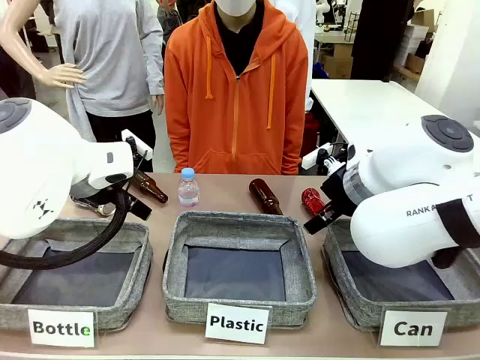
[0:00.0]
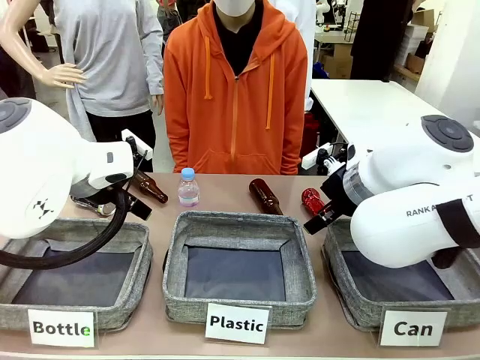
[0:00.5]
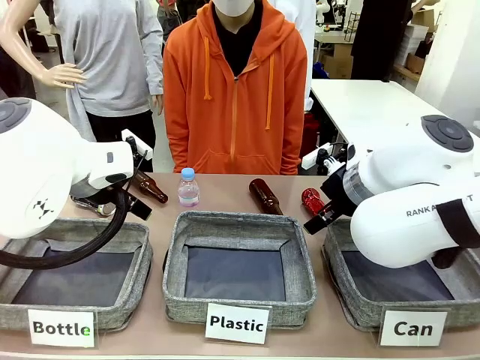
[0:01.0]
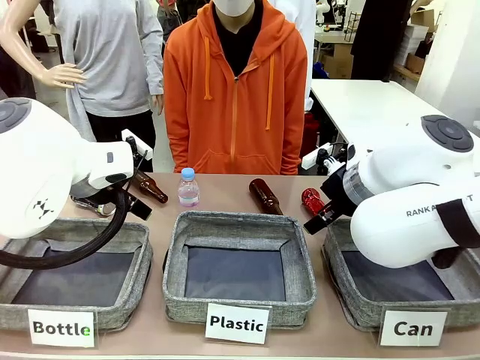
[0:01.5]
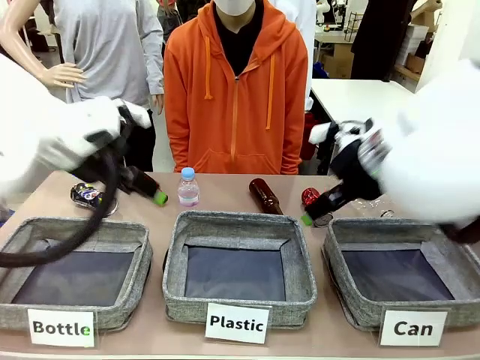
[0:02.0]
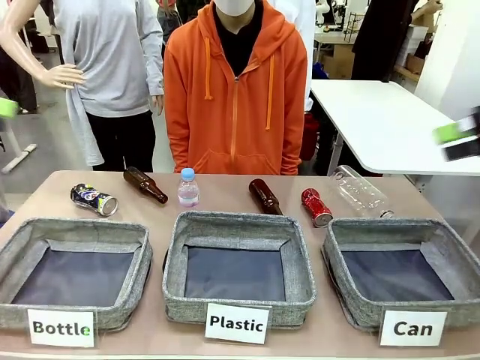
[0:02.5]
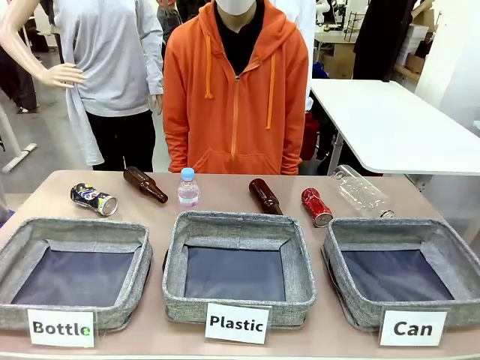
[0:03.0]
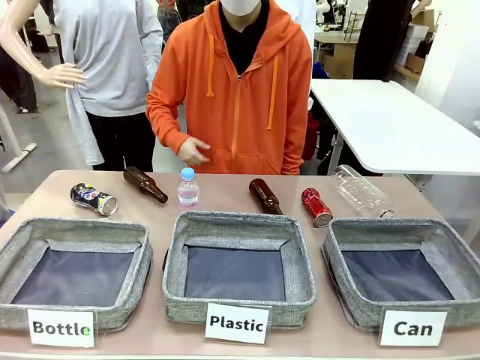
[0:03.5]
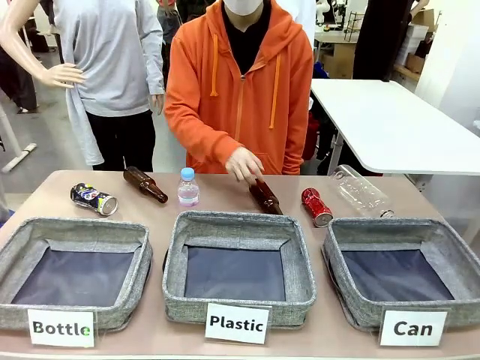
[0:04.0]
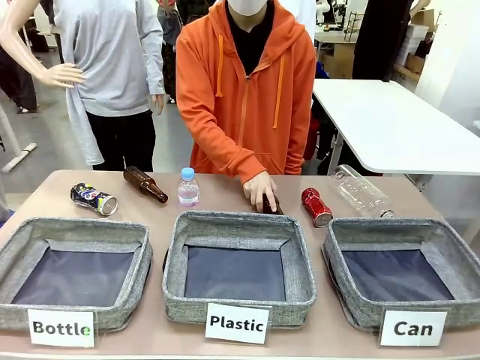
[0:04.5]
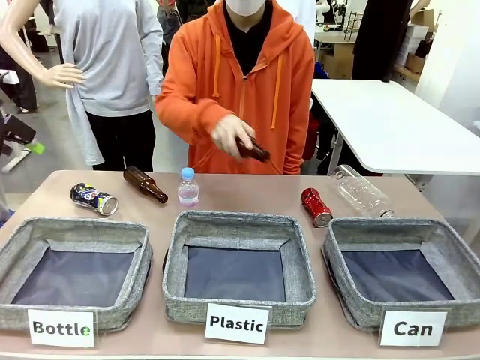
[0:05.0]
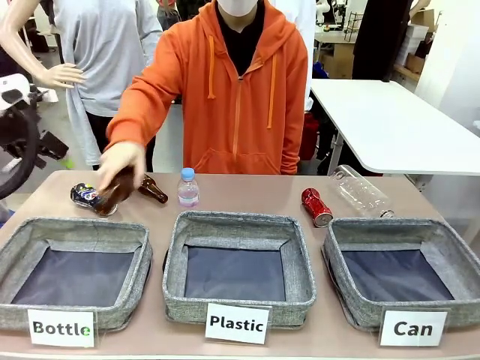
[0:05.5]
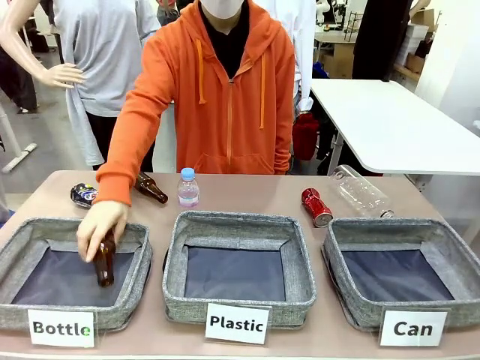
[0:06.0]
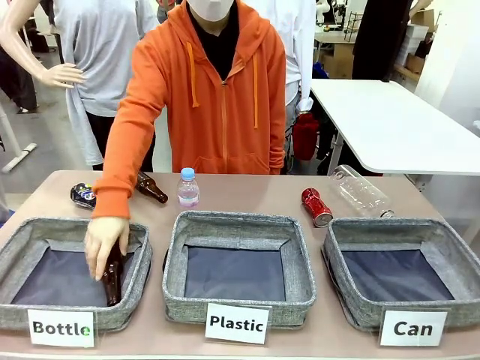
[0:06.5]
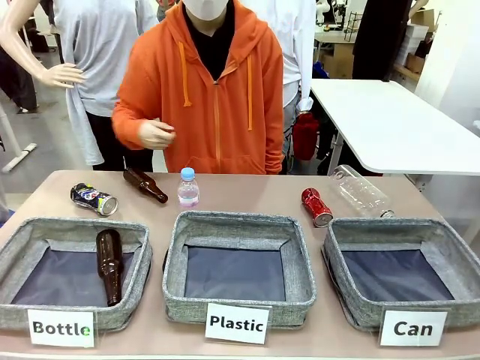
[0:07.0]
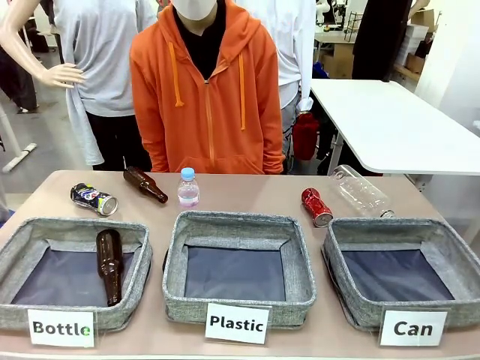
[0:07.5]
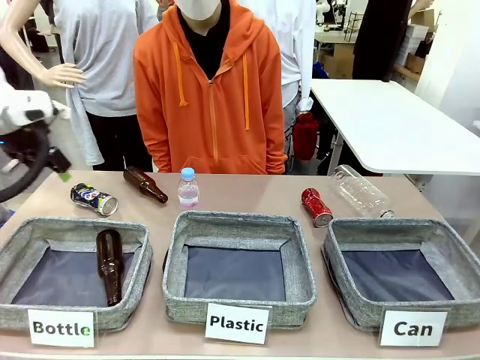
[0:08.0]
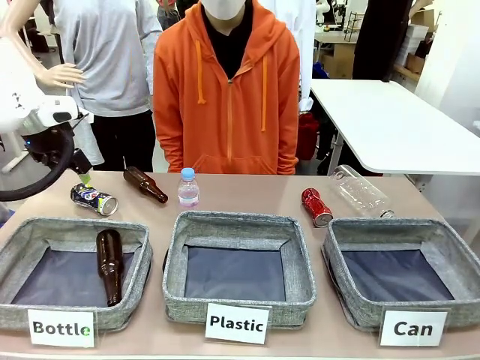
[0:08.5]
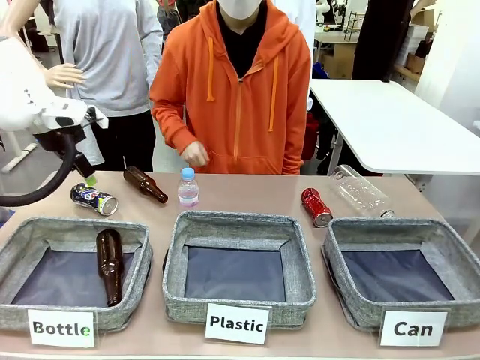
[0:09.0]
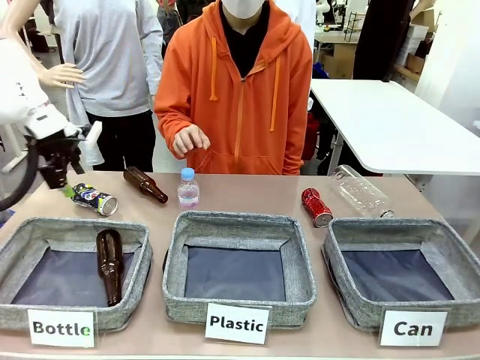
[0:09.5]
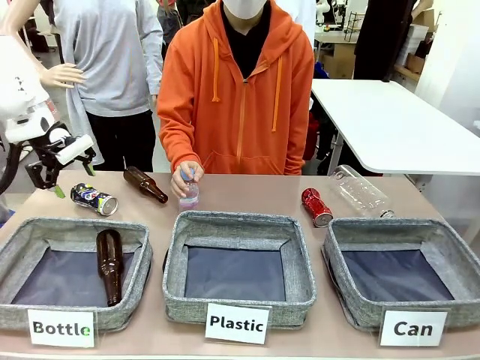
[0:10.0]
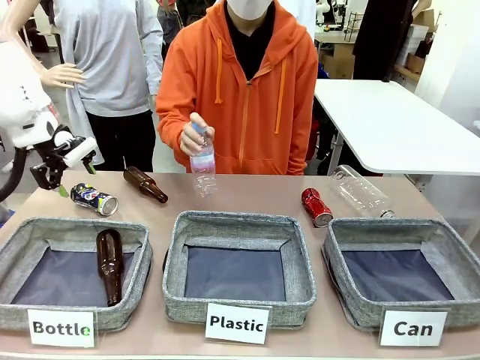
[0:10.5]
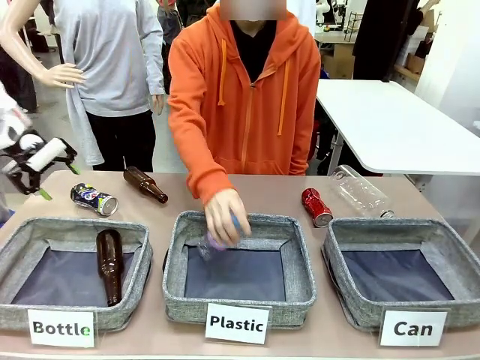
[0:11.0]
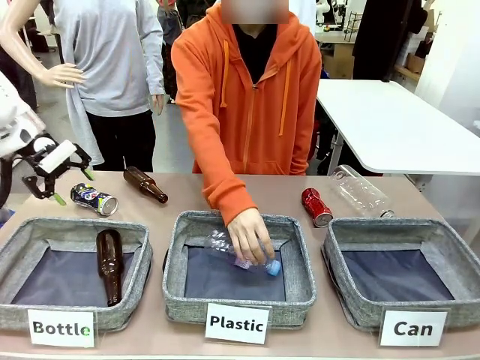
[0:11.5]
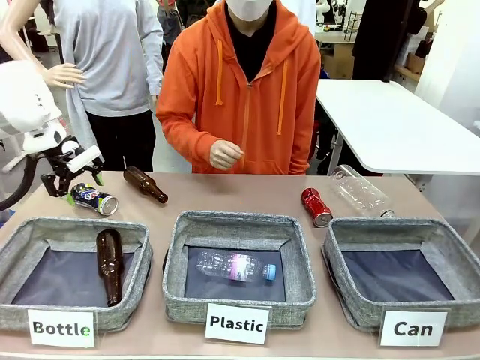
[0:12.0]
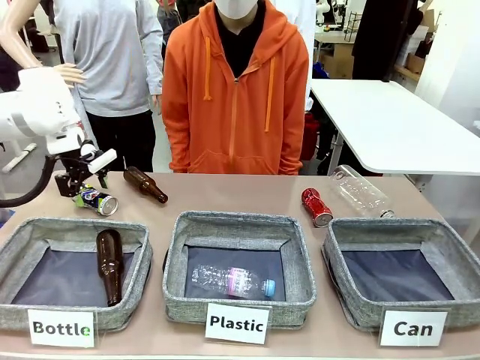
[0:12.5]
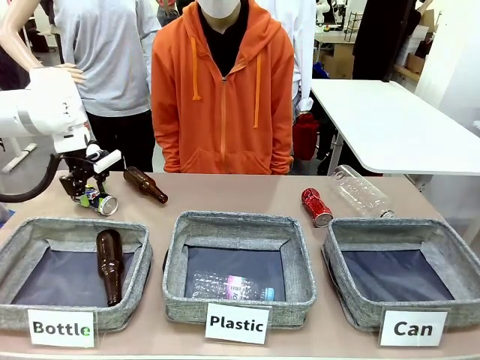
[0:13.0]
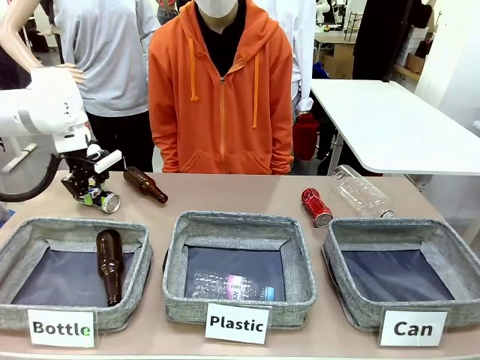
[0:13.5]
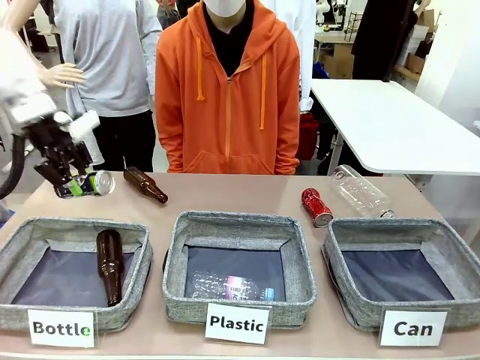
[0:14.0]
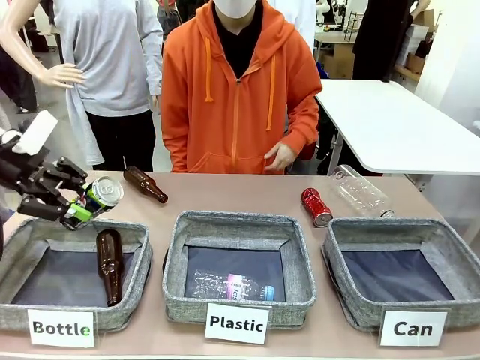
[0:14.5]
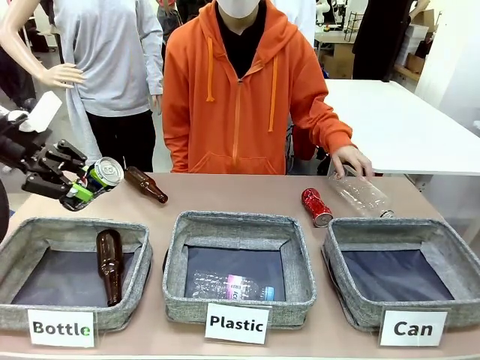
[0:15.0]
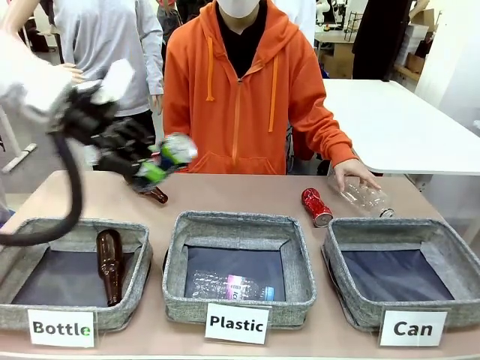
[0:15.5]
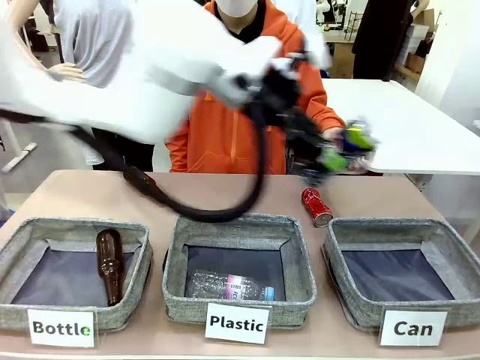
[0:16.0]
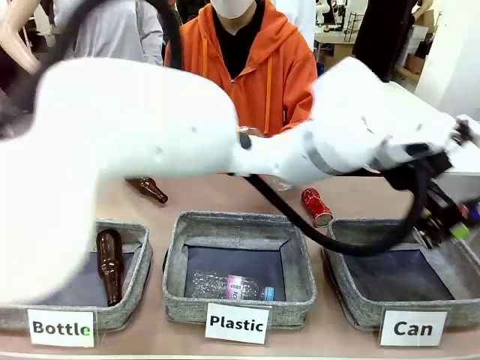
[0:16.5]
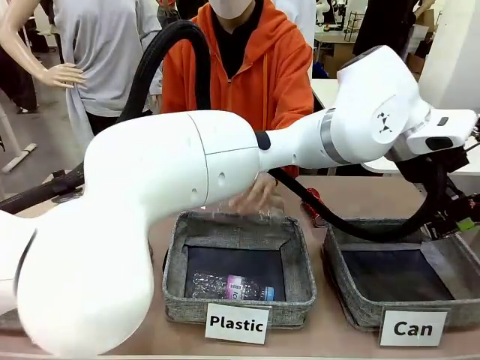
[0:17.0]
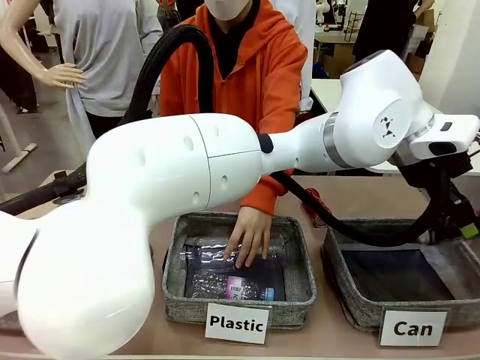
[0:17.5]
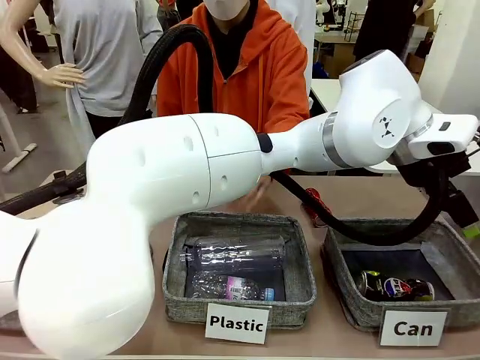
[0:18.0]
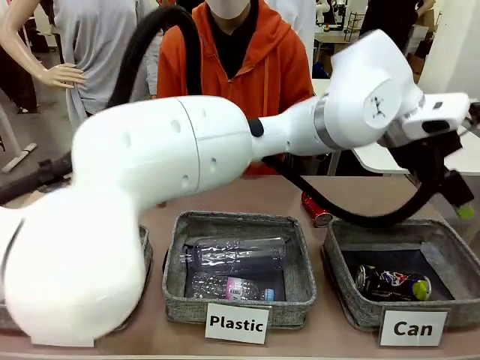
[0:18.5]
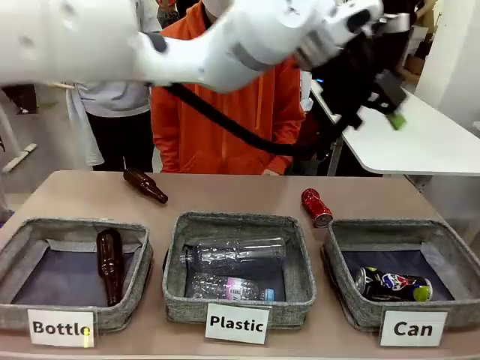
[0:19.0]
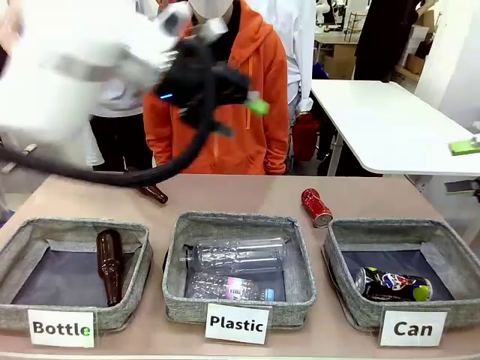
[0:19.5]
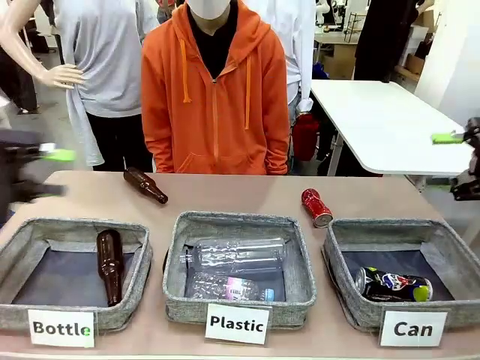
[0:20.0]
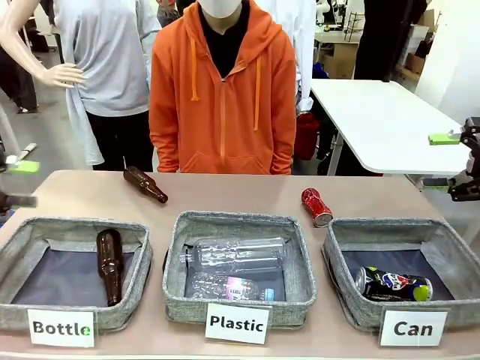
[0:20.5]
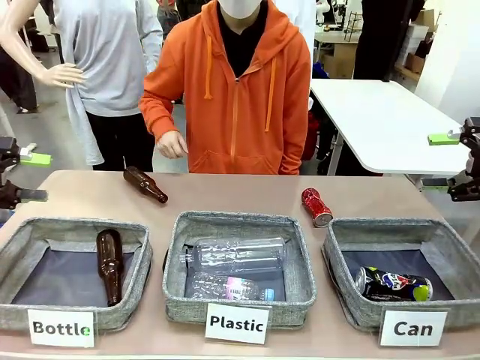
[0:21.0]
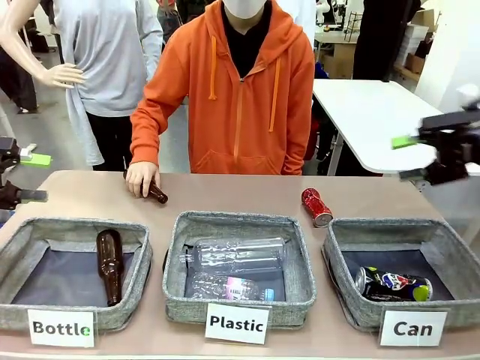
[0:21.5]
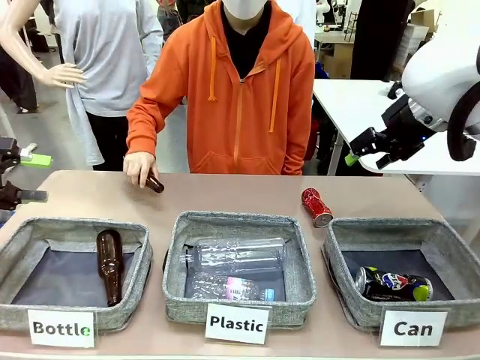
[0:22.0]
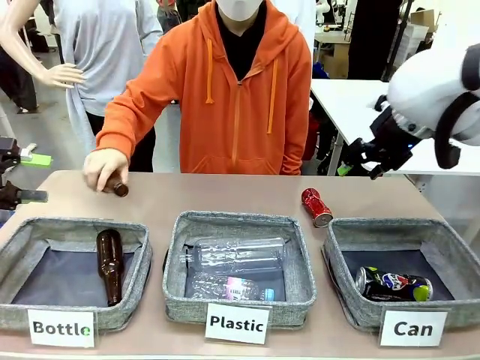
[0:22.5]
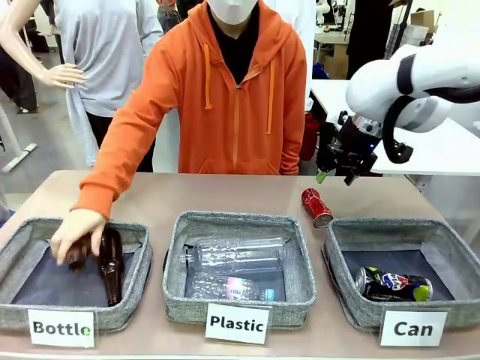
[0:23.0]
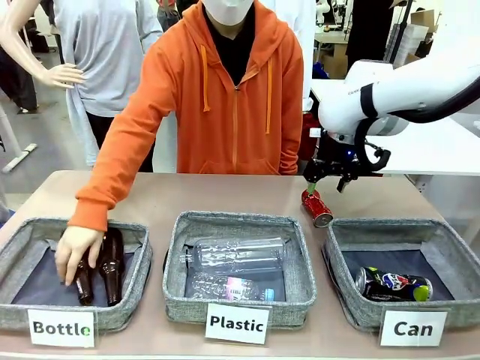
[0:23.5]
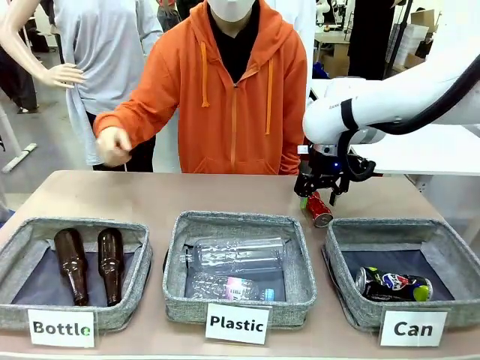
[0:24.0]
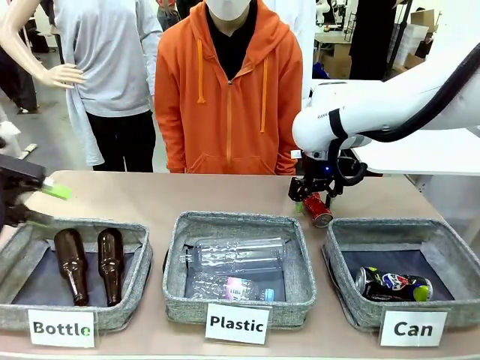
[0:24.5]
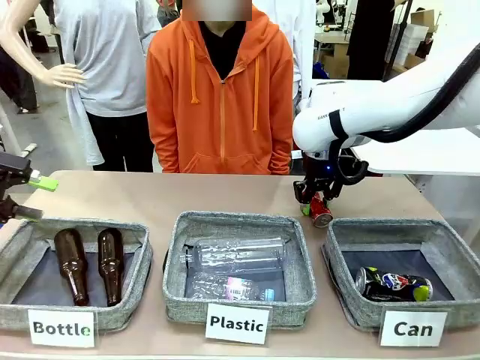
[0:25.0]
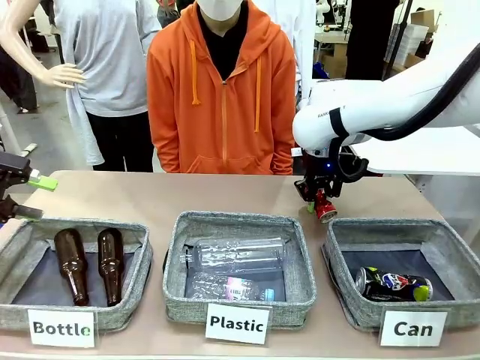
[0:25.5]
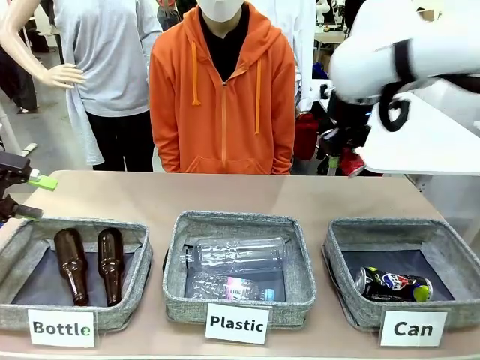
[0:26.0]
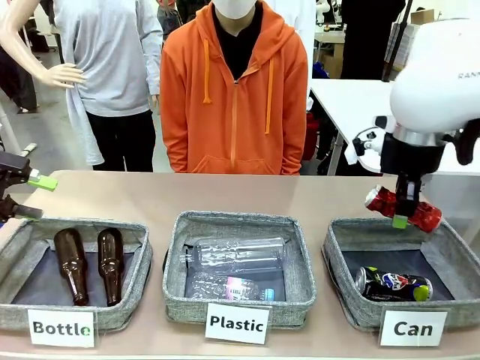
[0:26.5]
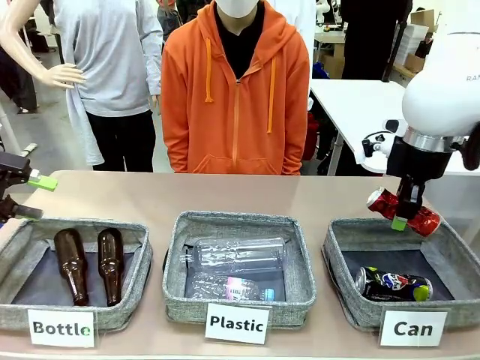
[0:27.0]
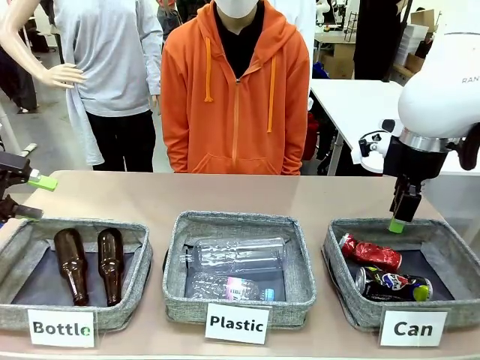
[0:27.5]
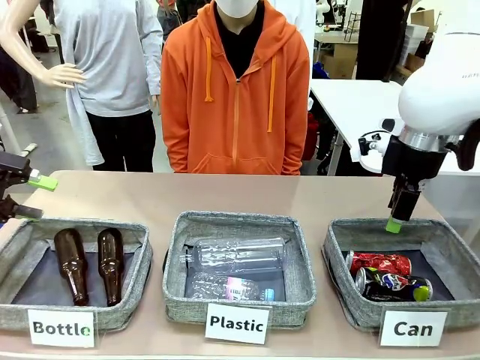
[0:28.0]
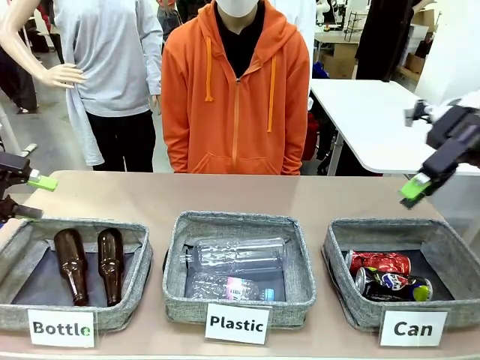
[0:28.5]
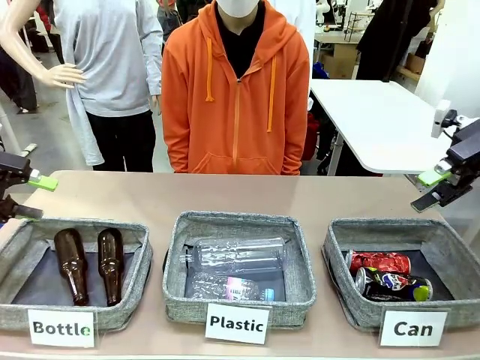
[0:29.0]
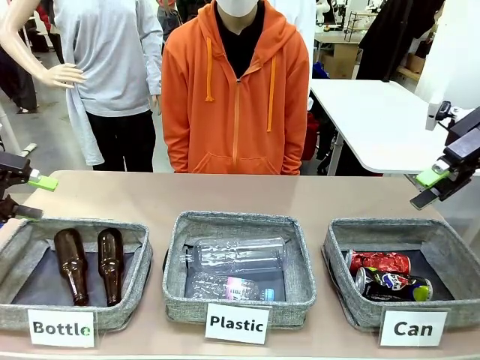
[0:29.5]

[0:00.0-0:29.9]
Task: Sort the can waste into the basket.
Robot: Pick up the can waste from the table and place it in the right Fabric basket.
Person: The human picks up one piece of trash that is not a can and places the trash into the appropriate organizing basket.
